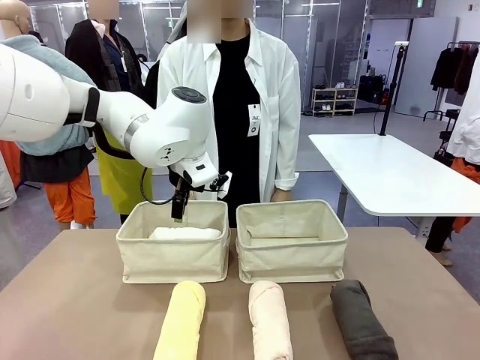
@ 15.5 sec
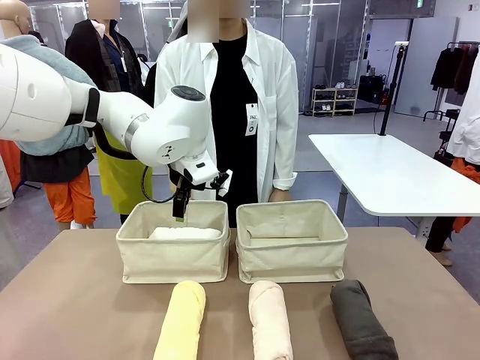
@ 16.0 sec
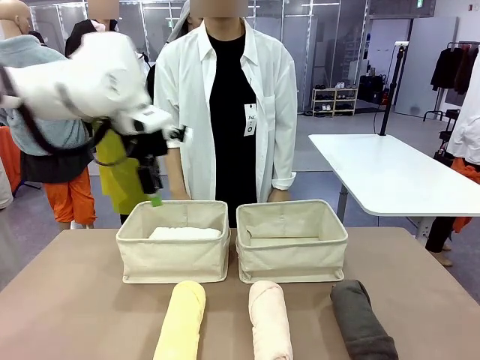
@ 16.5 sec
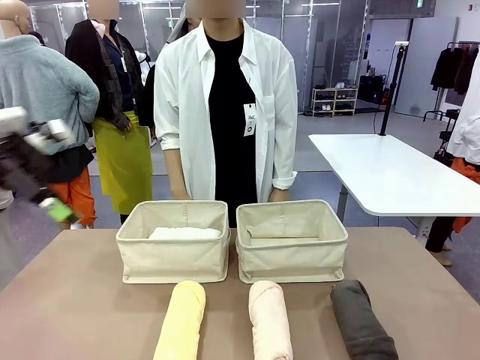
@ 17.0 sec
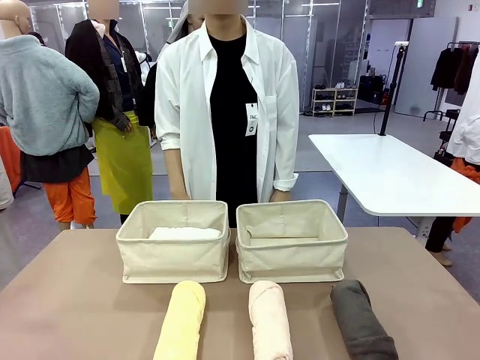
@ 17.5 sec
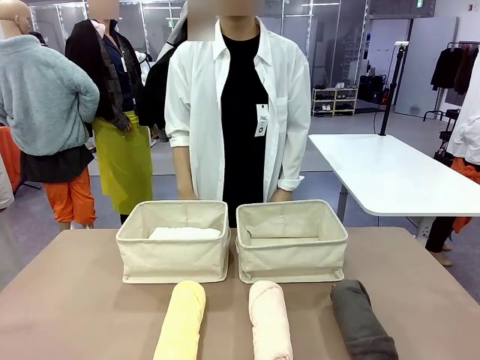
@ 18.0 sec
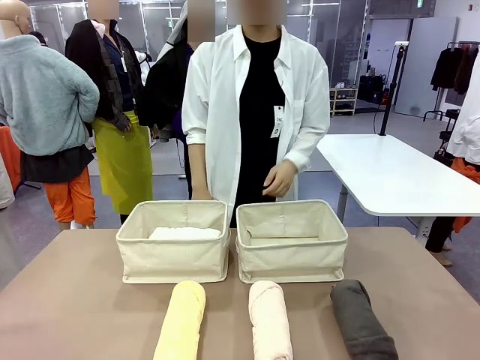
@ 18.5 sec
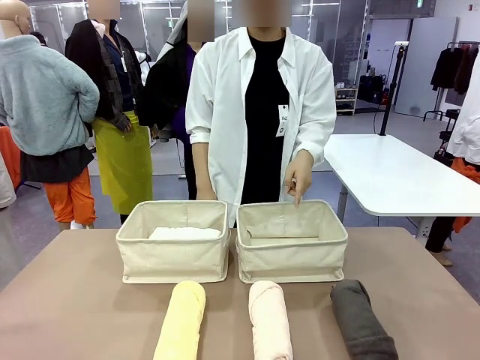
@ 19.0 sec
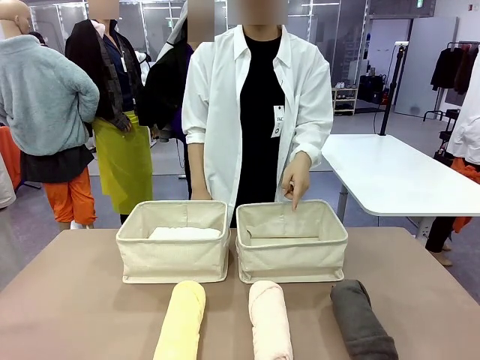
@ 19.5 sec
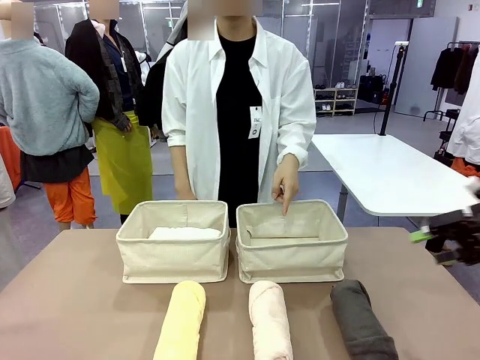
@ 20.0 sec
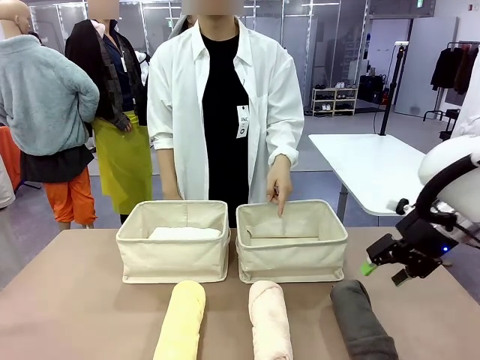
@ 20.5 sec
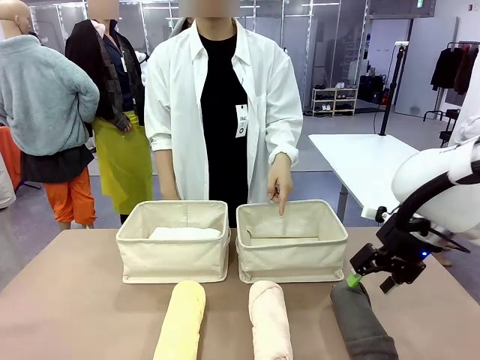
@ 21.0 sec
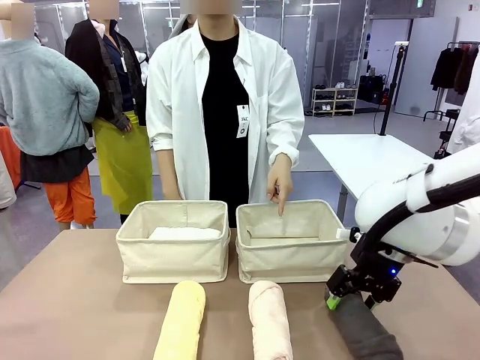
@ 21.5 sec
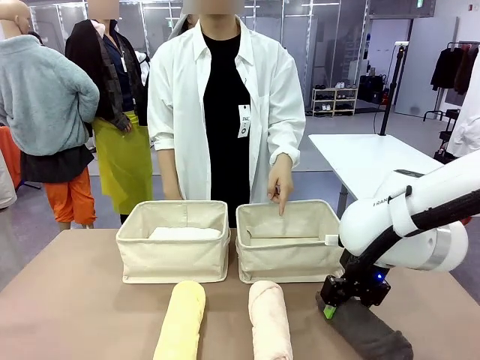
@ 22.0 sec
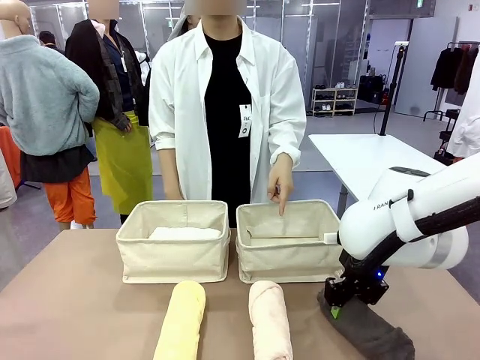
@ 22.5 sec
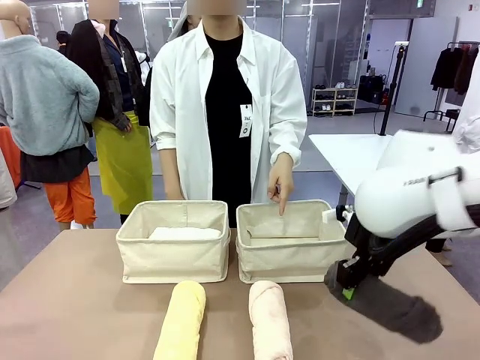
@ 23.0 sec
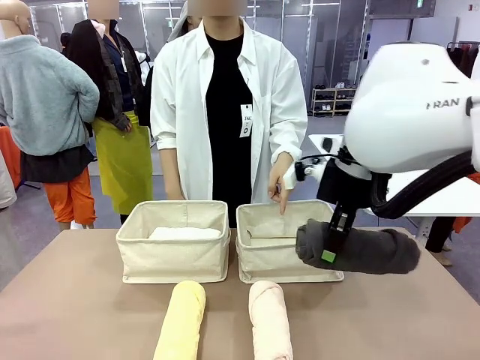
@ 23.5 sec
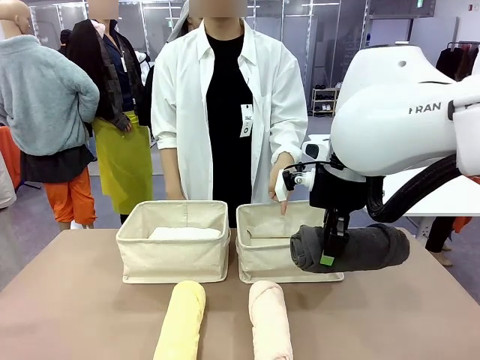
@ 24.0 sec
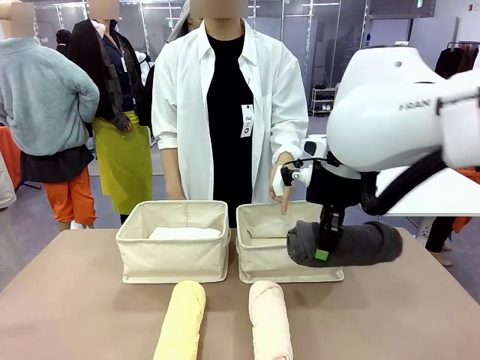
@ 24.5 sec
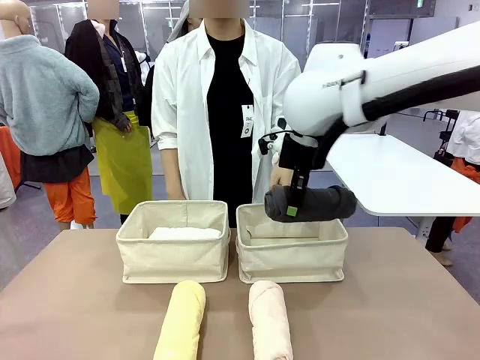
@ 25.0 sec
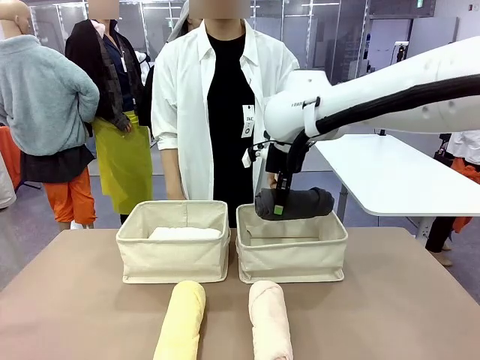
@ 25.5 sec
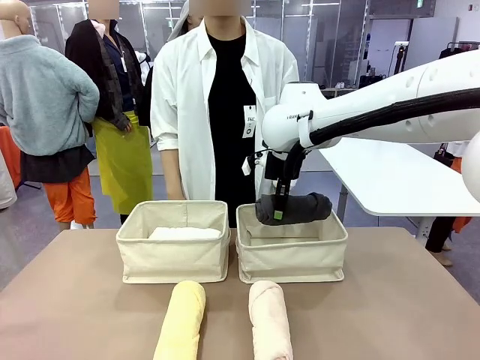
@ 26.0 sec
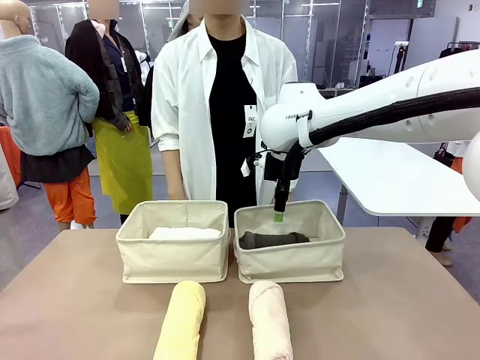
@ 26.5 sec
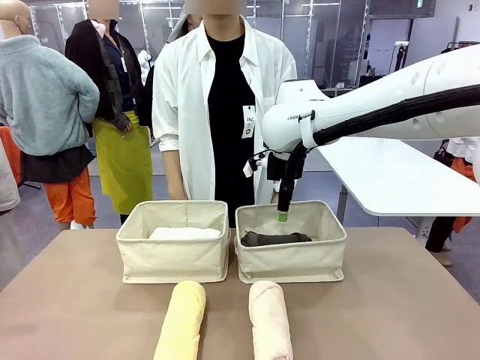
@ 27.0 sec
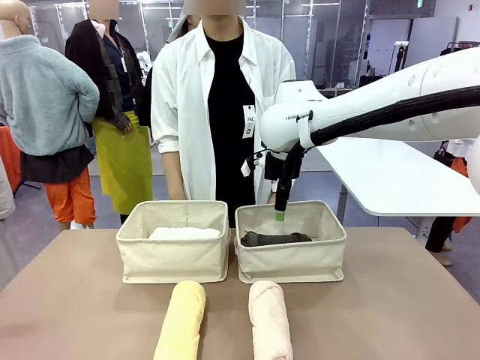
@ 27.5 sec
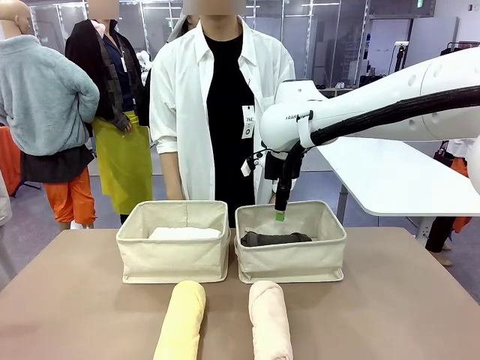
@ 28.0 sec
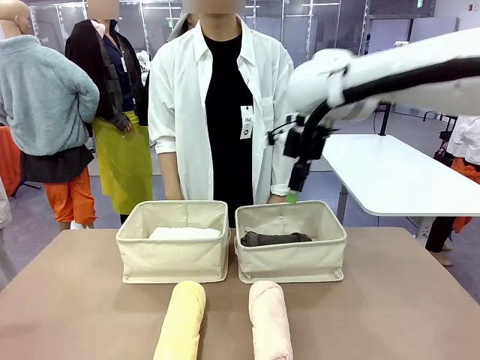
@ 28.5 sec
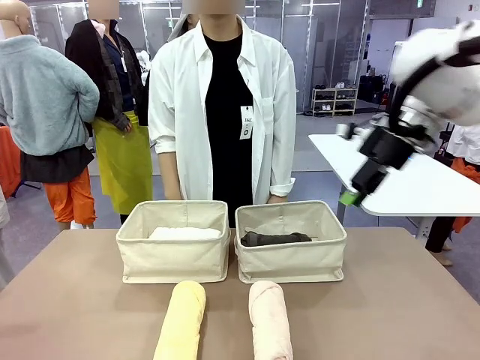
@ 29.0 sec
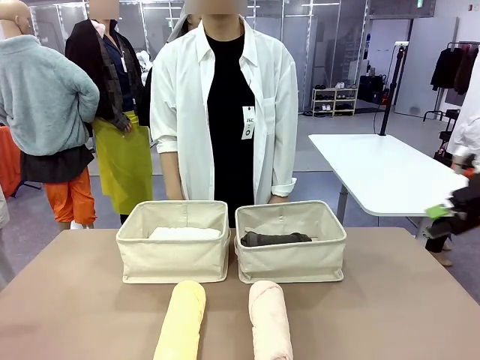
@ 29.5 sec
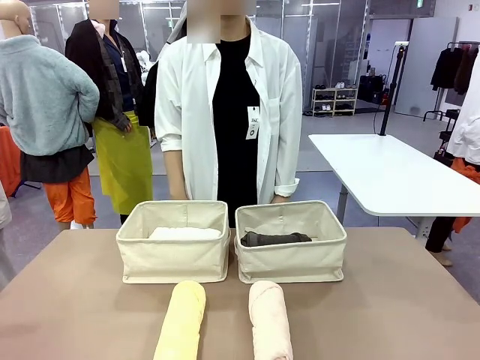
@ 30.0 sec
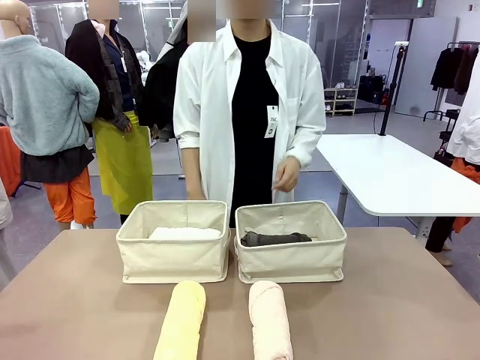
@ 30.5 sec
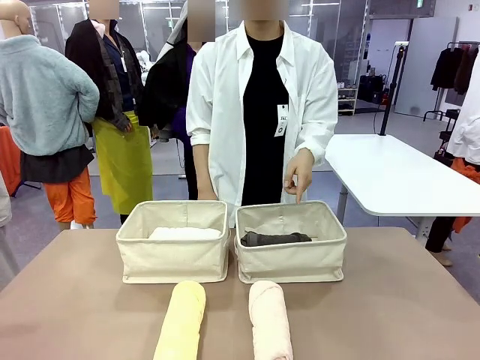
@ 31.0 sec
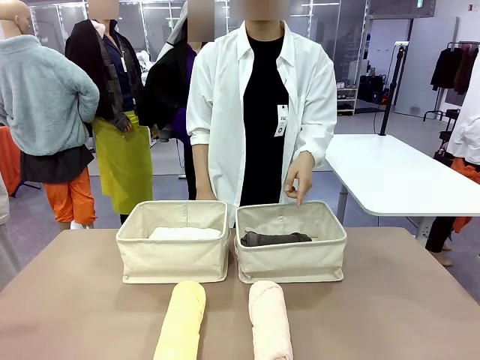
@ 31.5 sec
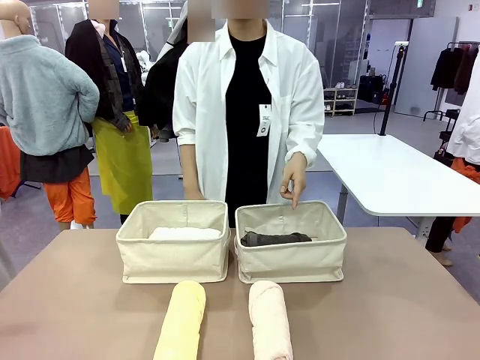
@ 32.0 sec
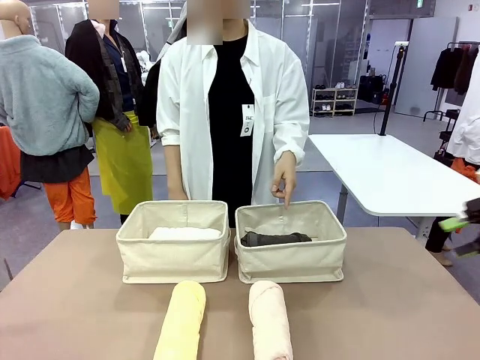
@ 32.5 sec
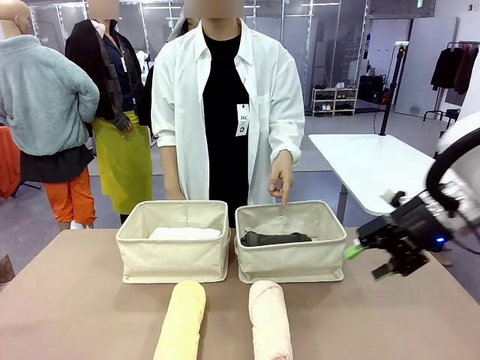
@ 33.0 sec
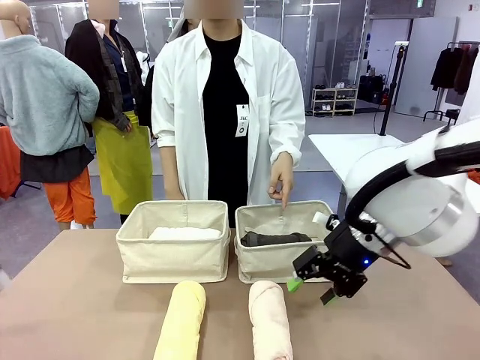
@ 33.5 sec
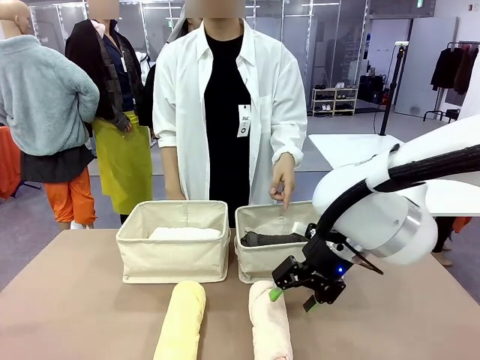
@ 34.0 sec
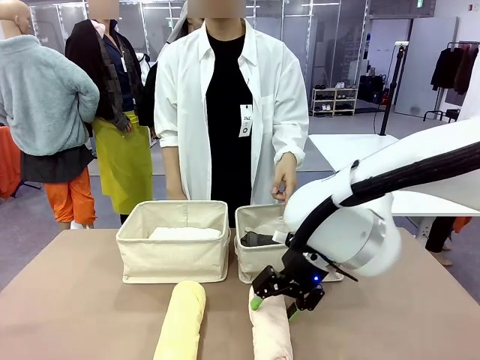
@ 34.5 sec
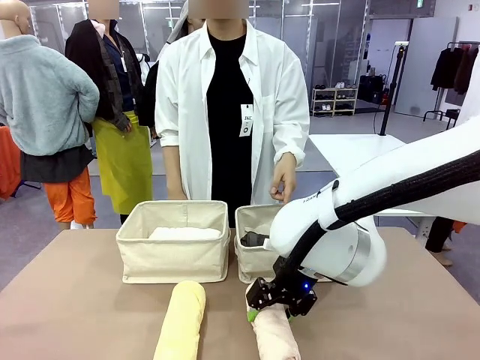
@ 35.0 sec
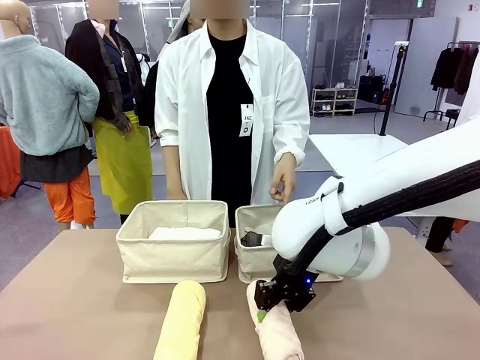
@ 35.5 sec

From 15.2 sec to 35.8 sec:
Task: Divide the towels into two baskets.
Robot: Pick up one hotel-folded towel from the bottom of the table and place it in the Fabric basket indicated by the person.

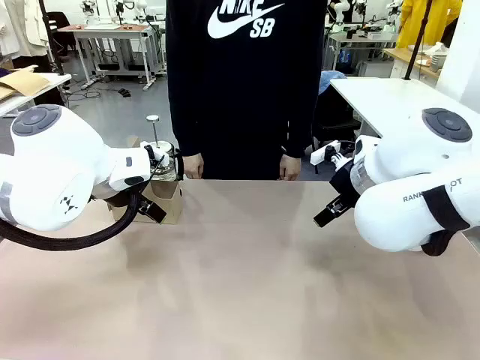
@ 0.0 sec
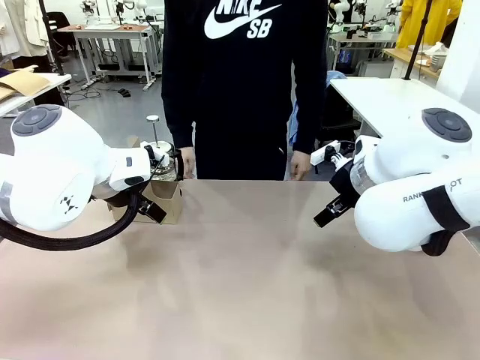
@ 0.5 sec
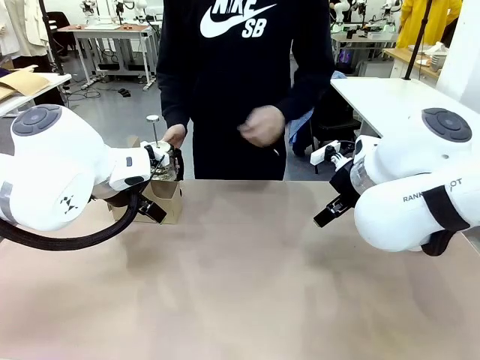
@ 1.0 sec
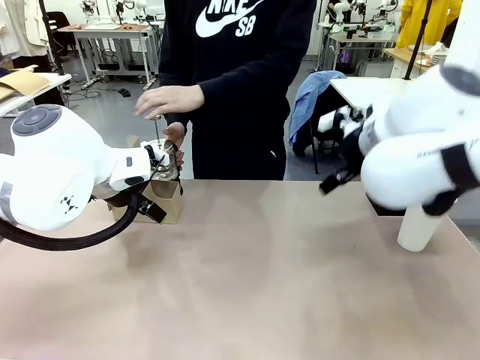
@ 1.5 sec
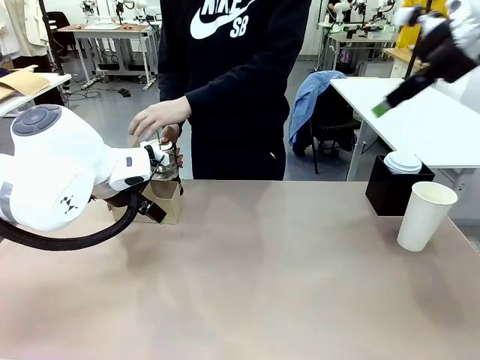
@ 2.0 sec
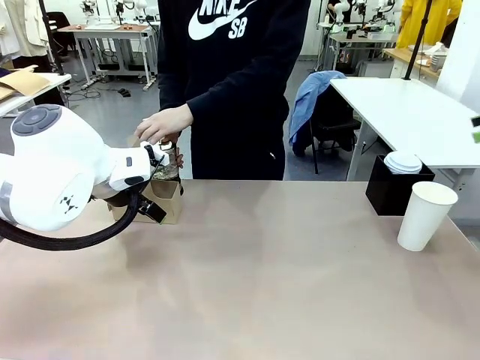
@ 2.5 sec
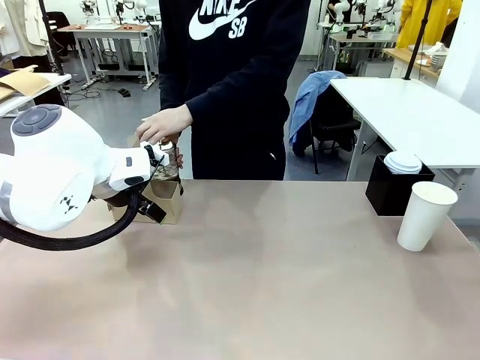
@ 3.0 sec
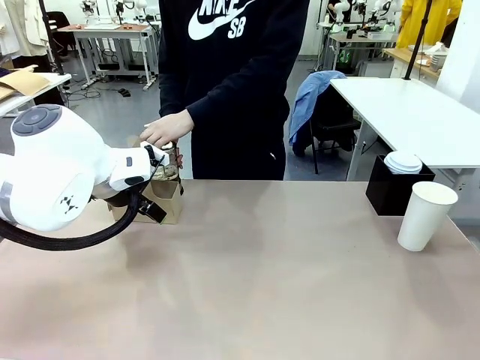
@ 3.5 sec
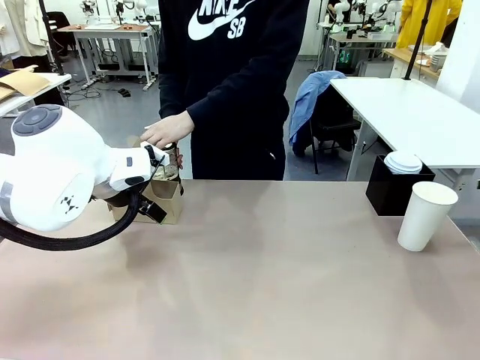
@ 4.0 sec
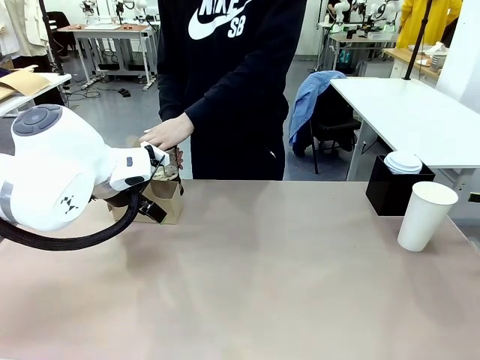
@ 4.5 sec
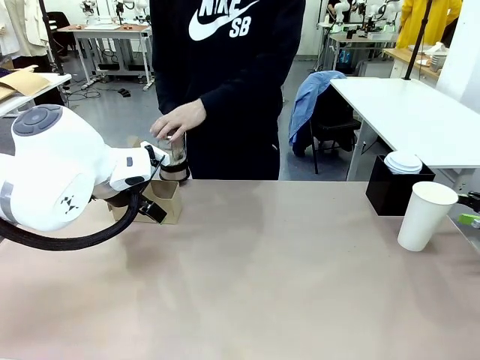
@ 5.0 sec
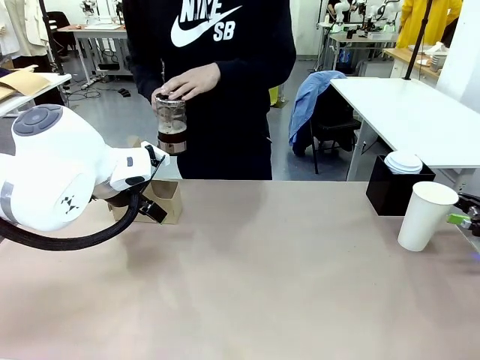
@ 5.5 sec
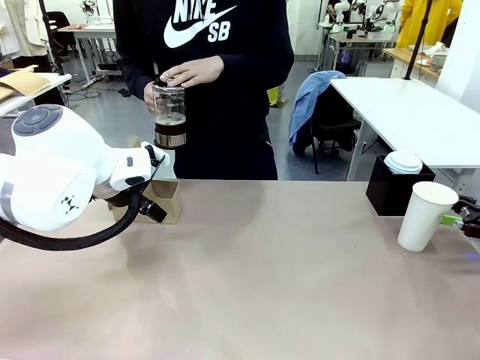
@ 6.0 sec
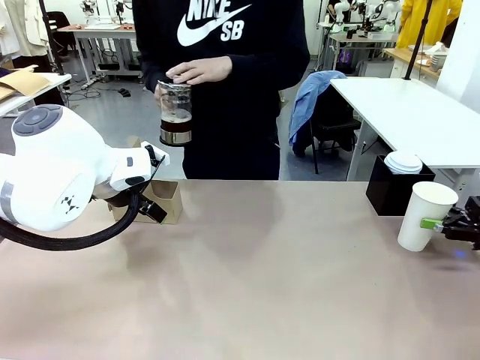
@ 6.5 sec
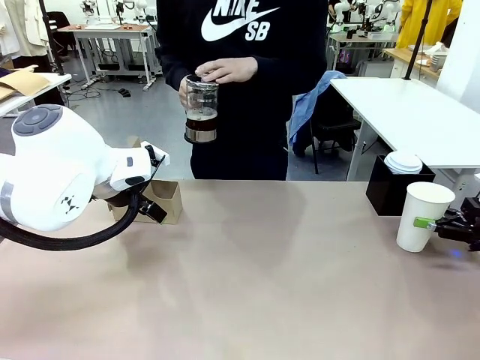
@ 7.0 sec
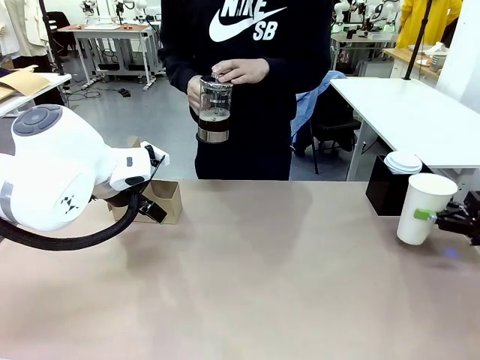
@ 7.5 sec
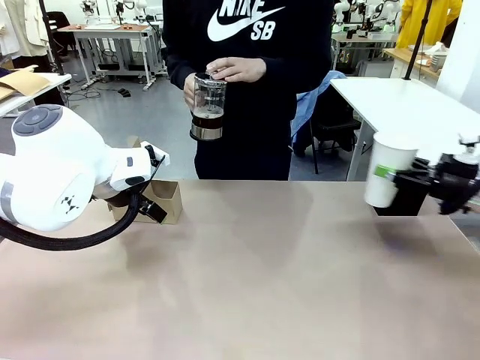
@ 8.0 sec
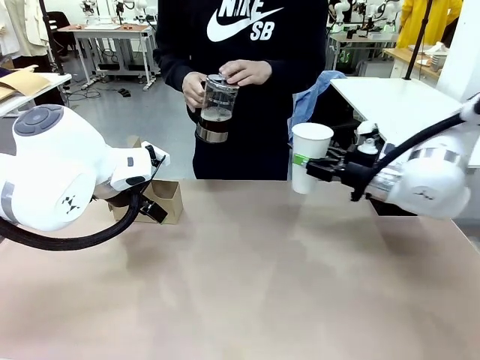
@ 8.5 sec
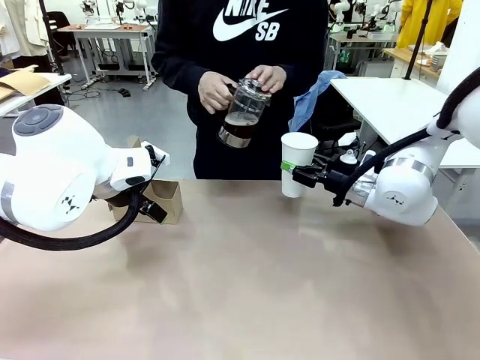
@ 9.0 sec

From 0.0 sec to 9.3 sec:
Task: Pour a drink into a cup and package it in a carrier.
Robot: Pick up the 600 ml Paper Cup and place it in the middle top area of the table.
Person: Press and pick up the Filter Brewing.
